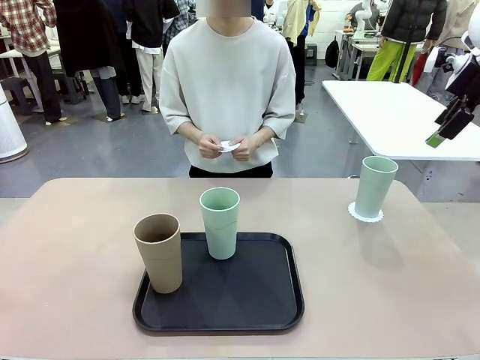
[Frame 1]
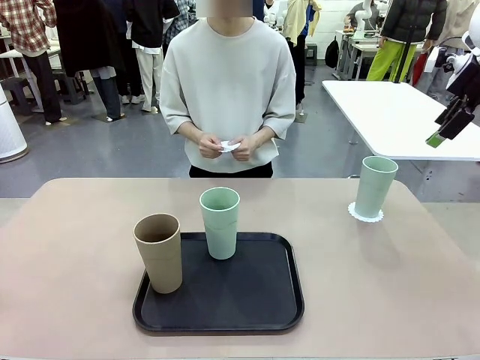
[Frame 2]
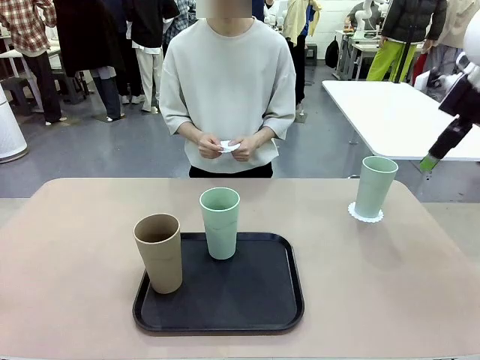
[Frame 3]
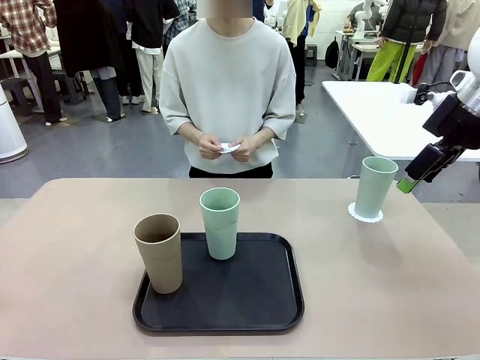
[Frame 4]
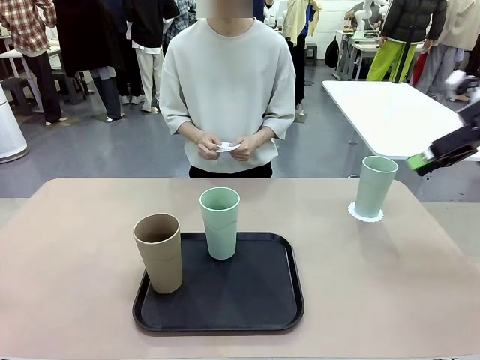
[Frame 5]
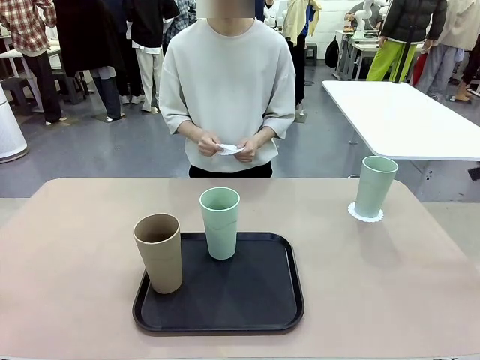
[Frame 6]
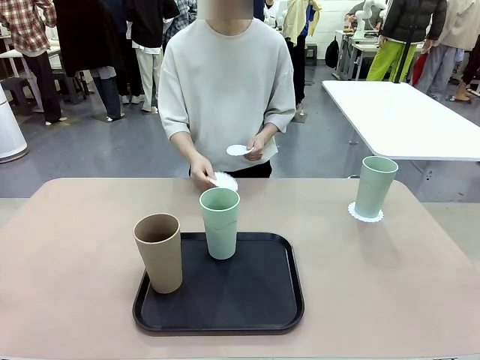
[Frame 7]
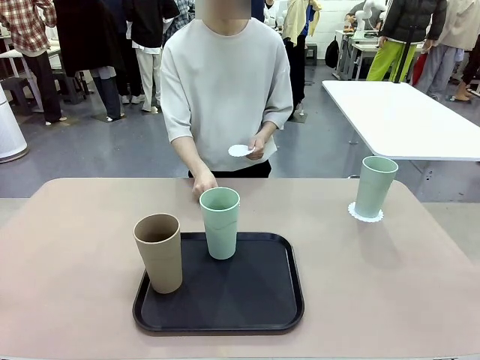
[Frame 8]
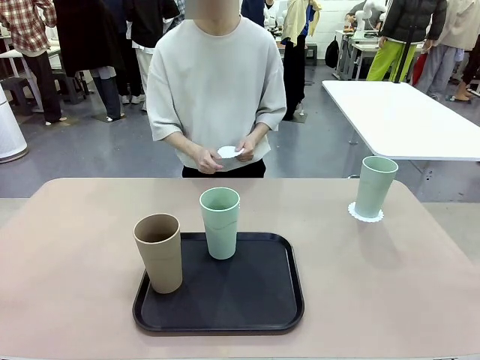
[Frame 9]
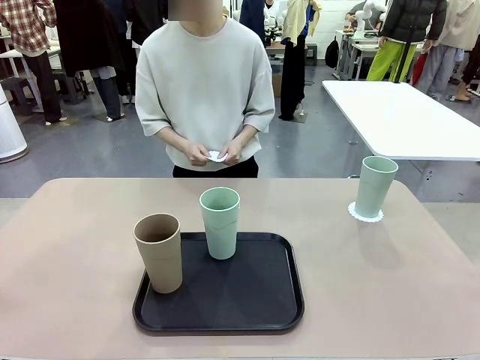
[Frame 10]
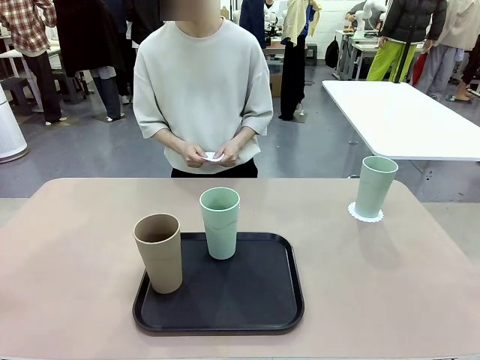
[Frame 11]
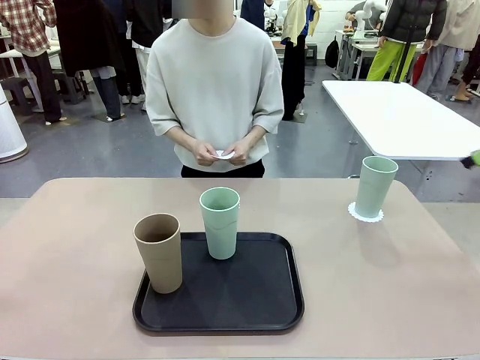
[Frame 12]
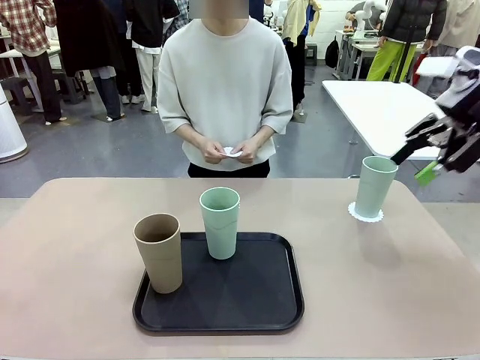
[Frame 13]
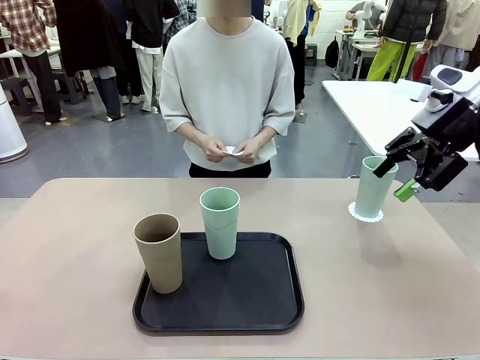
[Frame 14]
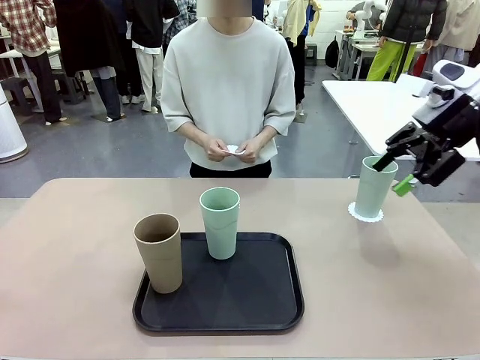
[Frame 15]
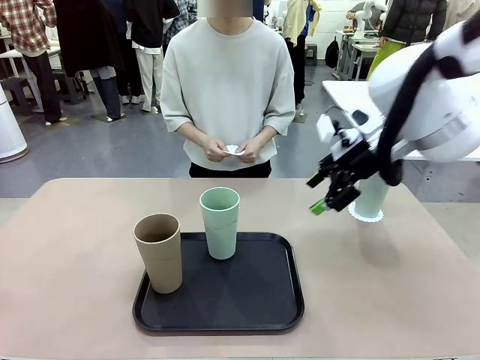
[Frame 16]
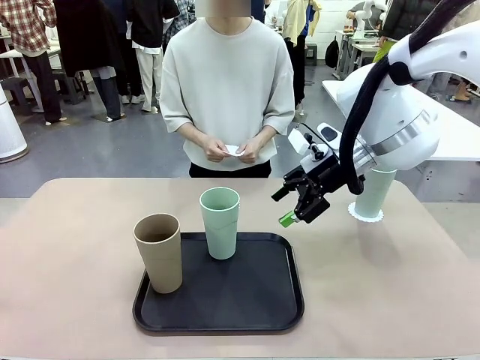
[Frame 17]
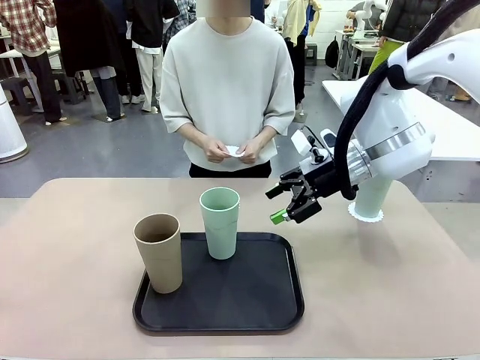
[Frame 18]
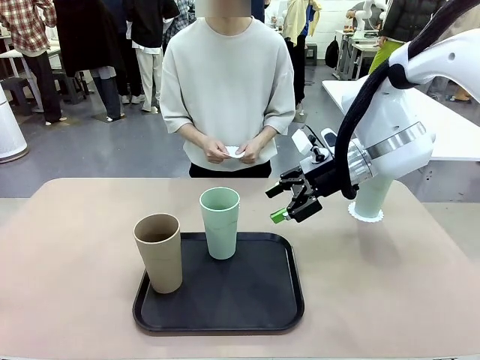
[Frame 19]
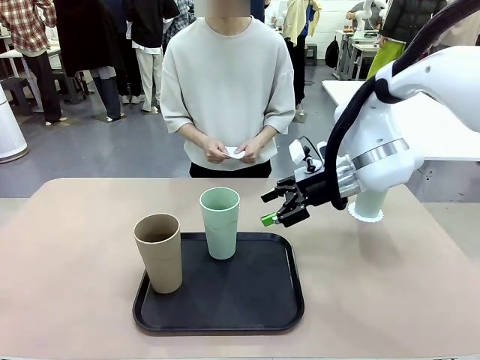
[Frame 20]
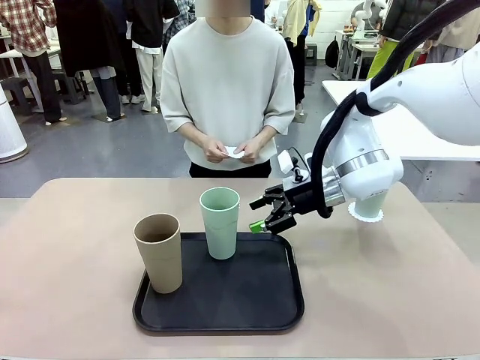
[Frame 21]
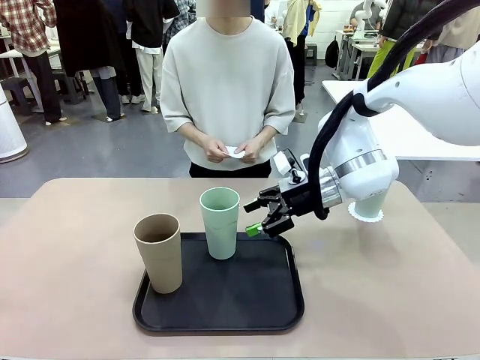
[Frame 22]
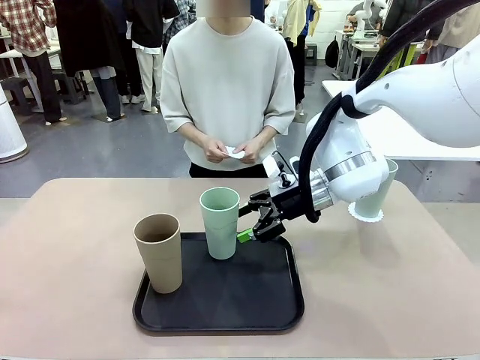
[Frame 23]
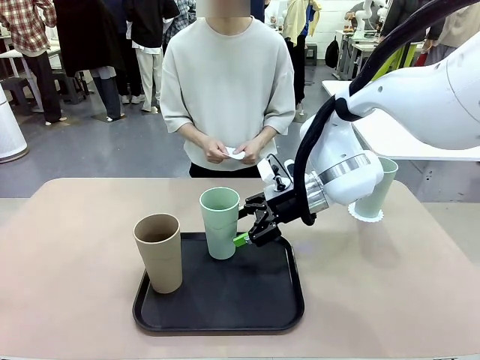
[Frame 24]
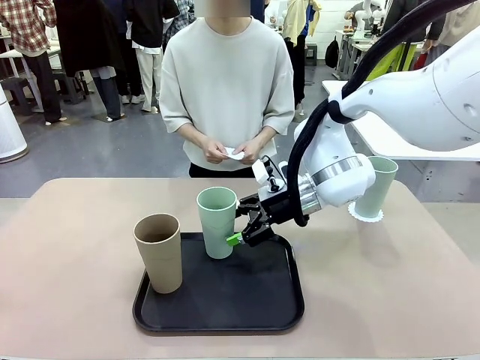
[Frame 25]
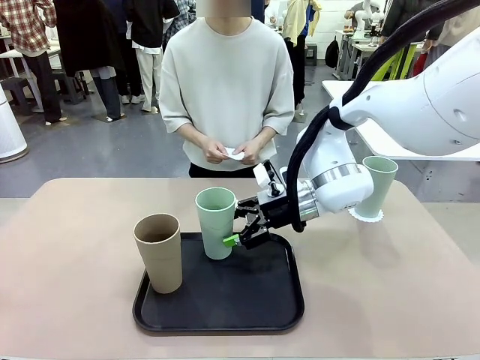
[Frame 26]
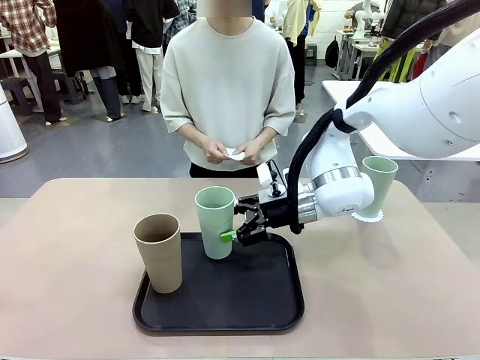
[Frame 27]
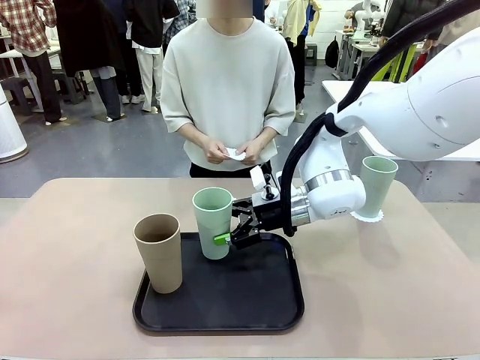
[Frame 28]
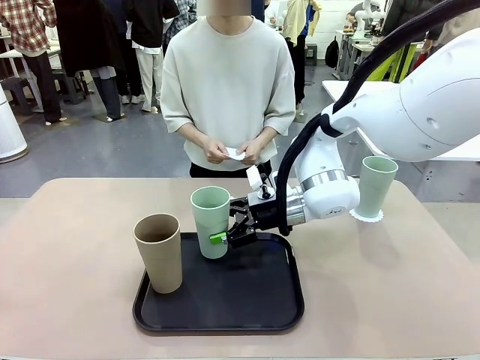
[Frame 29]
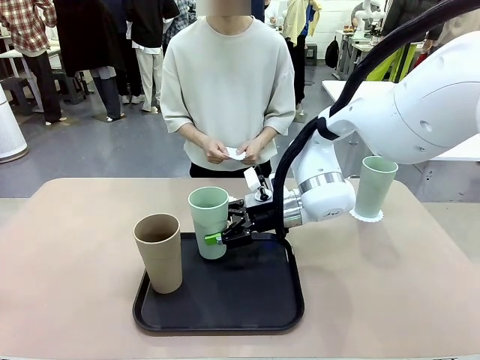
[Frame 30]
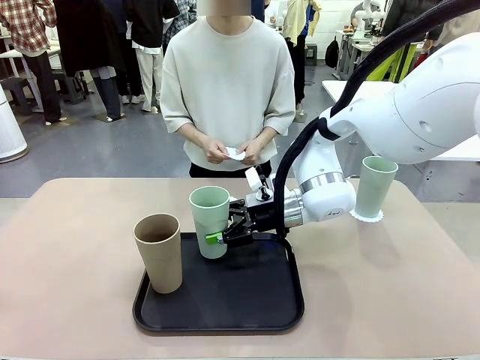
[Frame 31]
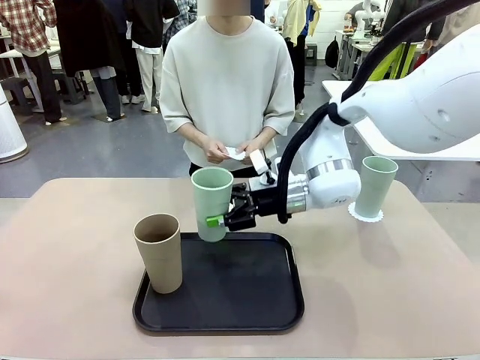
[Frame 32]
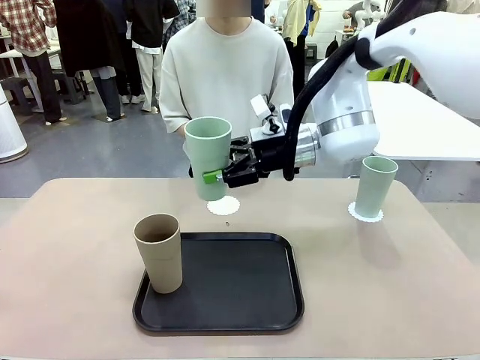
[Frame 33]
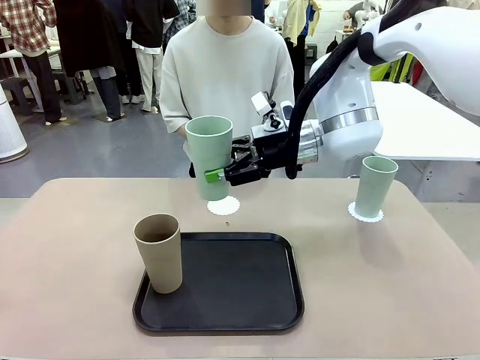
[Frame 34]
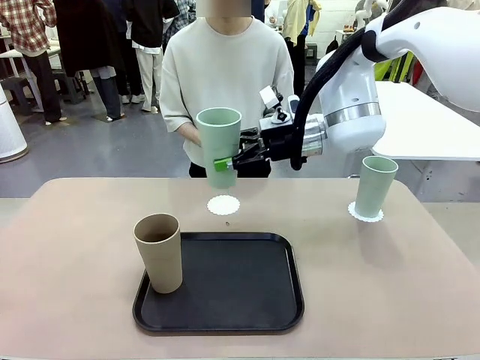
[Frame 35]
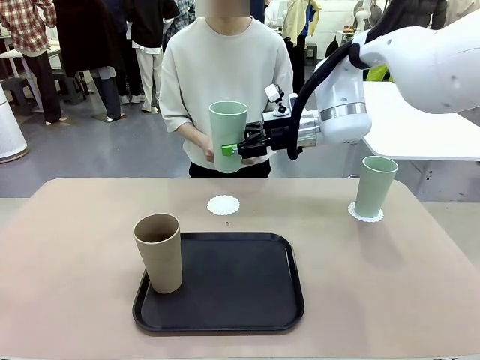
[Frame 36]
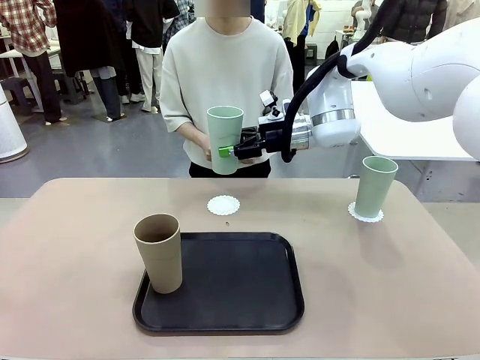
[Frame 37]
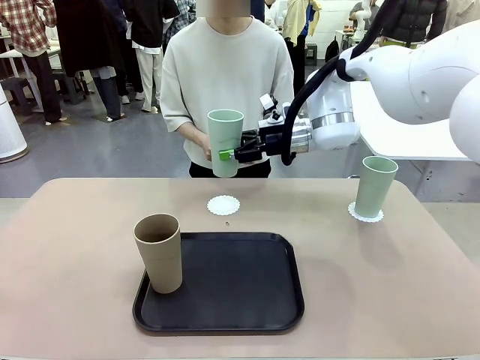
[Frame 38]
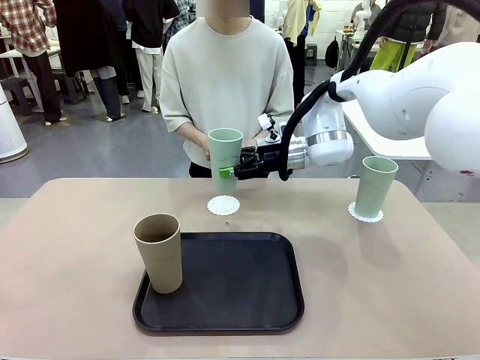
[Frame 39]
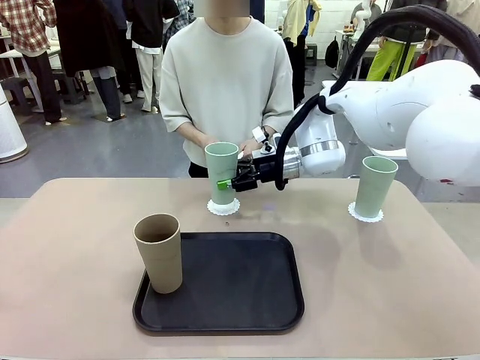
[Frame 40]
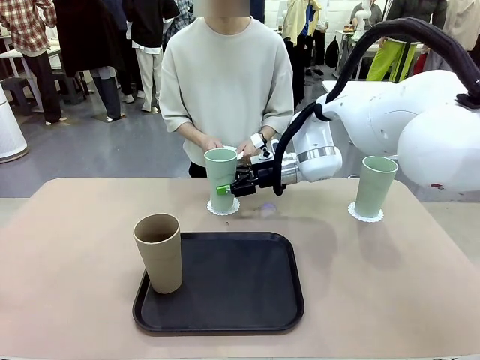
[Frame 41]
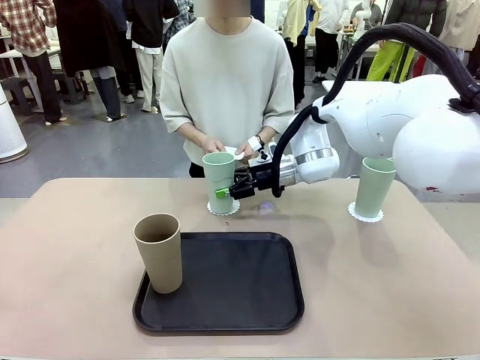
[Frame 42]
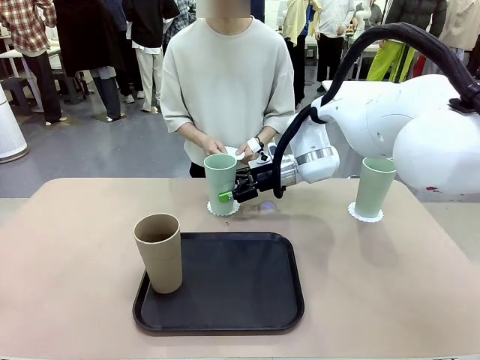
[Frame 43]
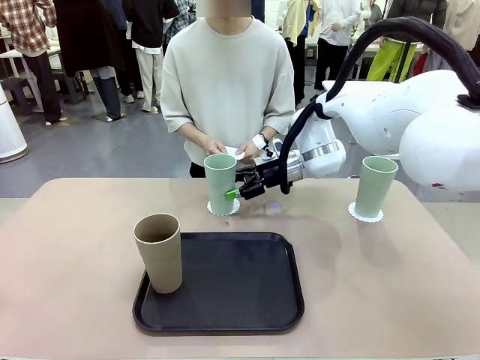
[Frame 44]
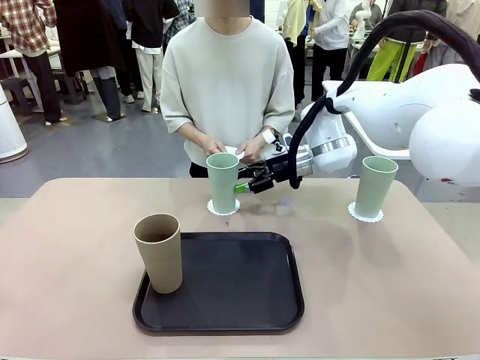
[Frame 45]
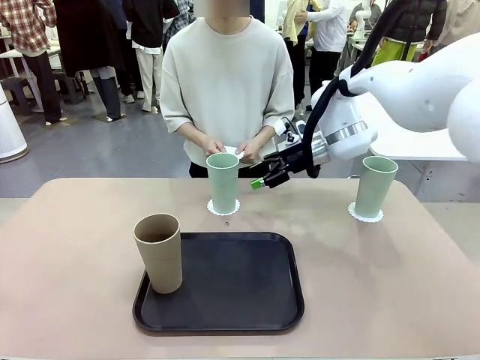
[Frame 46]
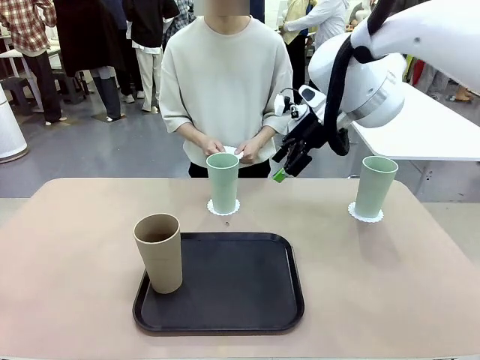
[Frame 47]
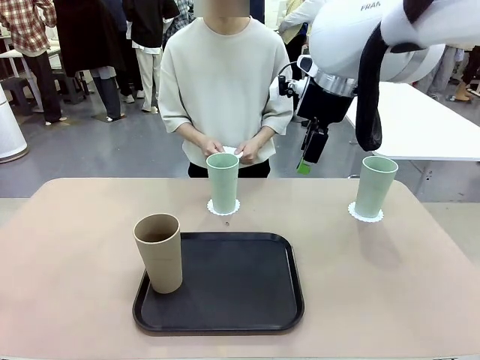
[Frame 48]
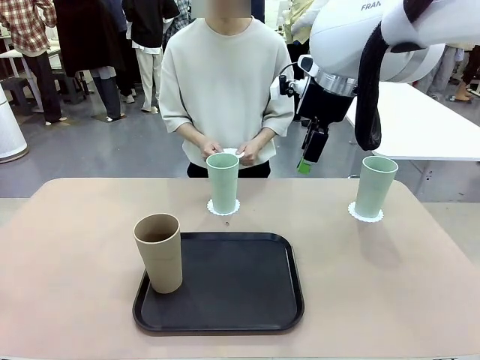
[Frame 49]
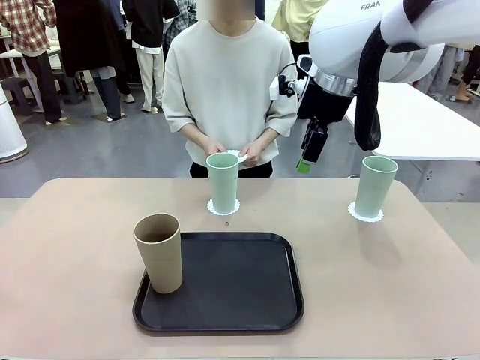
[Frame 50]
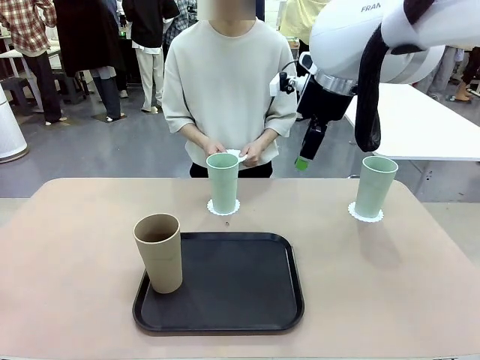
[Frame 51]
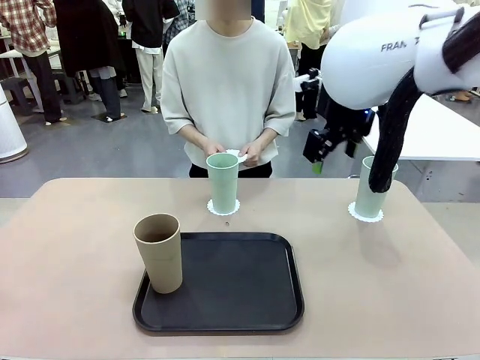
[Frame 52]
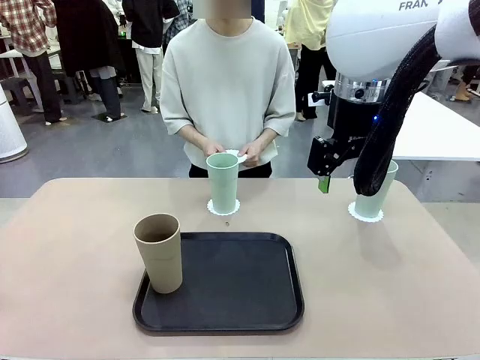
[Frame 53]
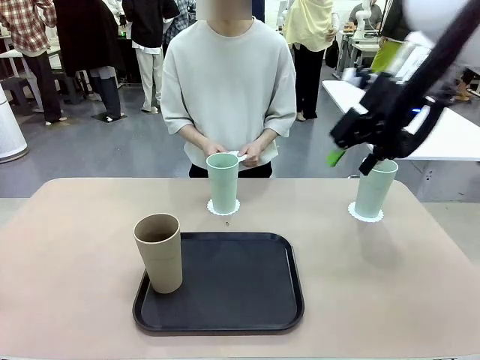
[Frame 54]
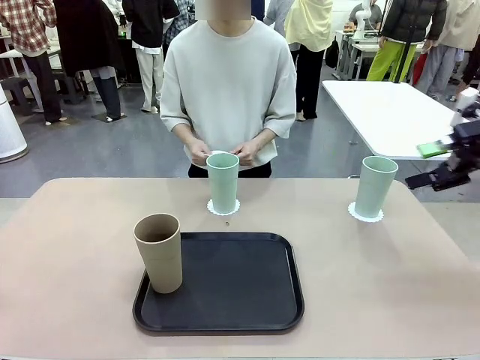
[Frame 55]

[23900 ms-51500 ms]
Task: Place coasters on the table and set cups on them.
Robot: Take one Reusable plastic cup from the Flat Tray and place it on a coaster set by the human.
